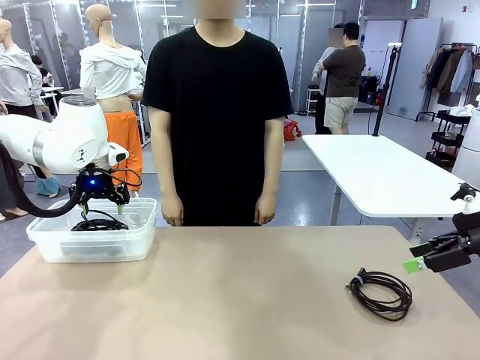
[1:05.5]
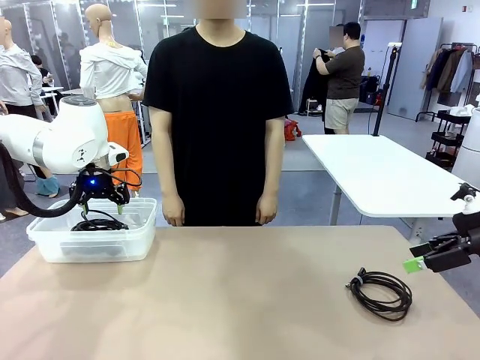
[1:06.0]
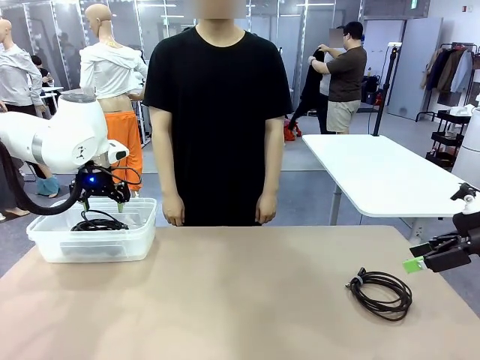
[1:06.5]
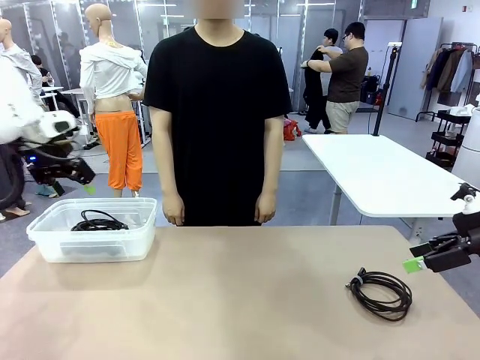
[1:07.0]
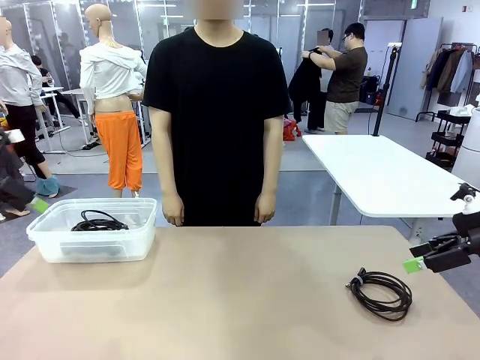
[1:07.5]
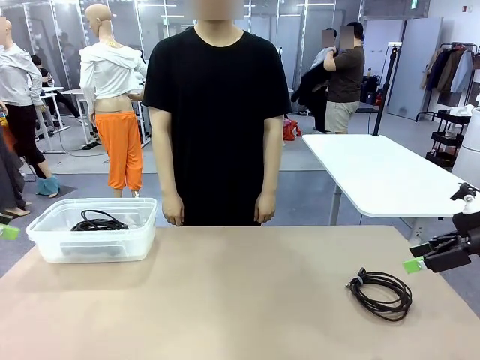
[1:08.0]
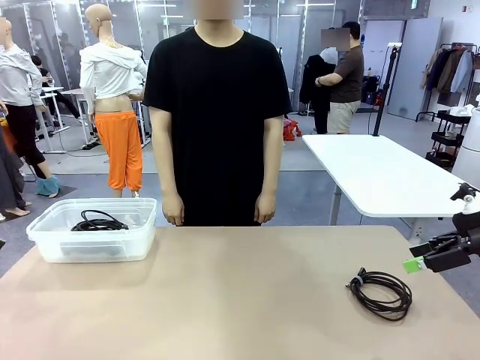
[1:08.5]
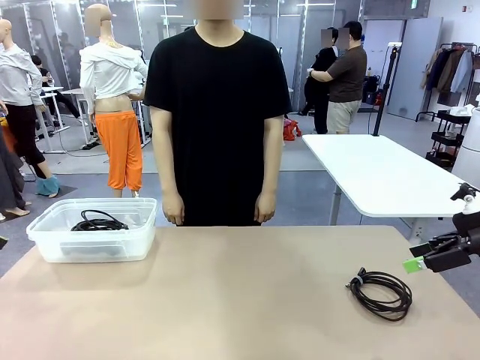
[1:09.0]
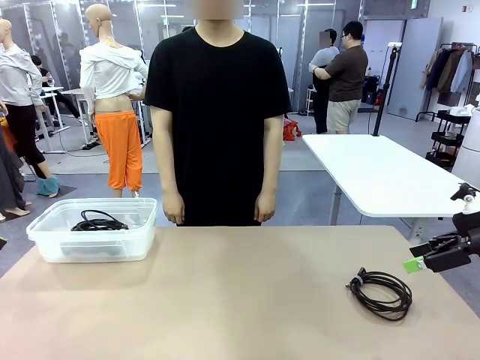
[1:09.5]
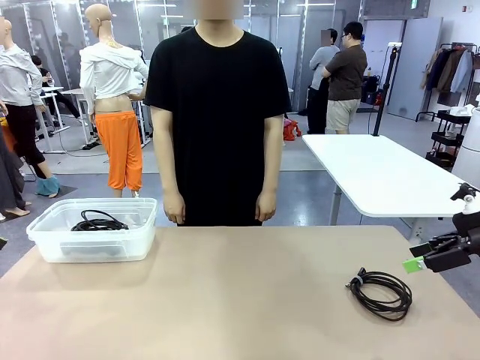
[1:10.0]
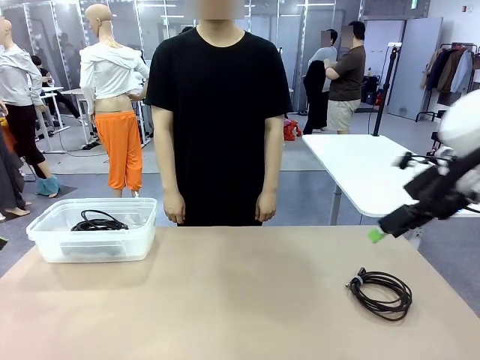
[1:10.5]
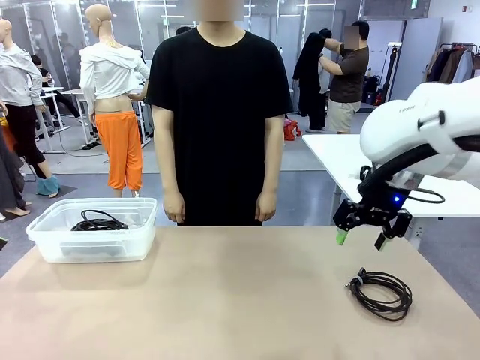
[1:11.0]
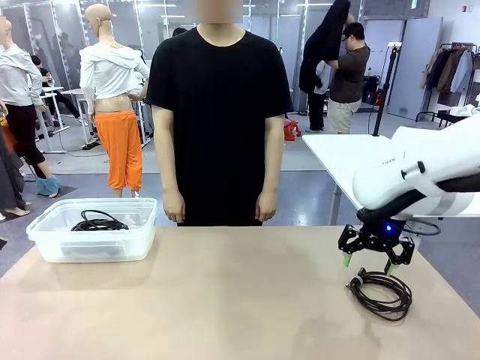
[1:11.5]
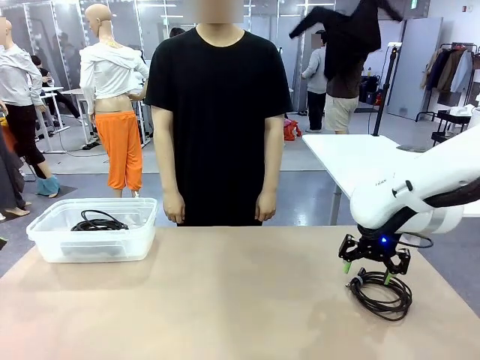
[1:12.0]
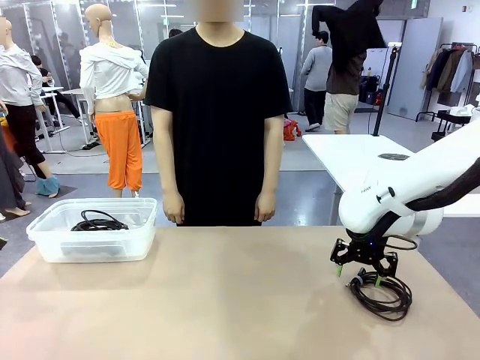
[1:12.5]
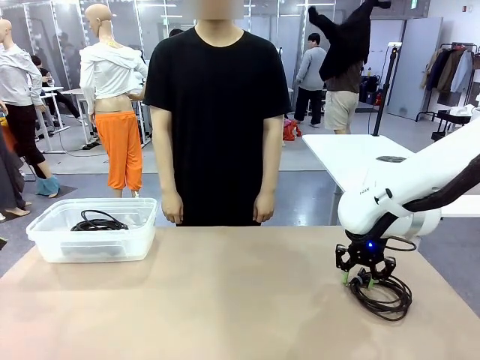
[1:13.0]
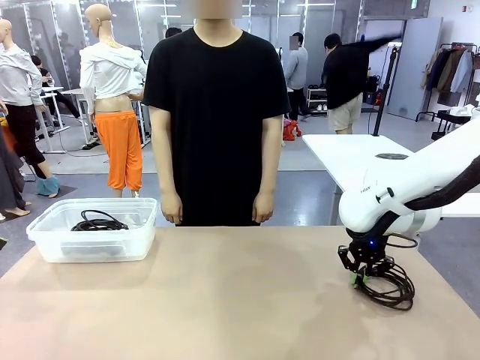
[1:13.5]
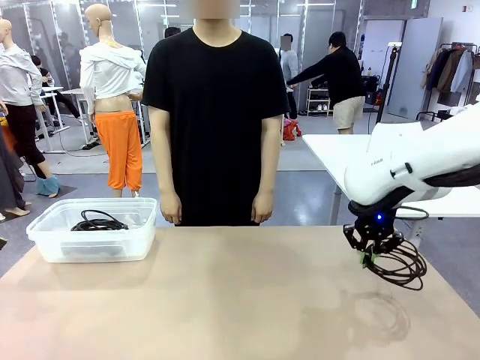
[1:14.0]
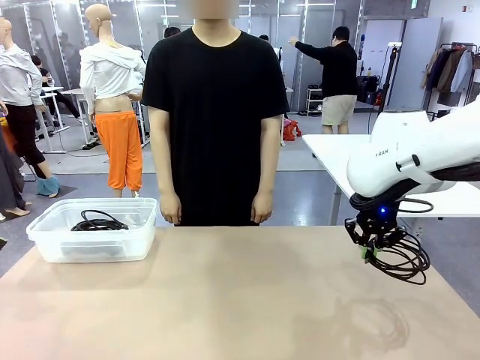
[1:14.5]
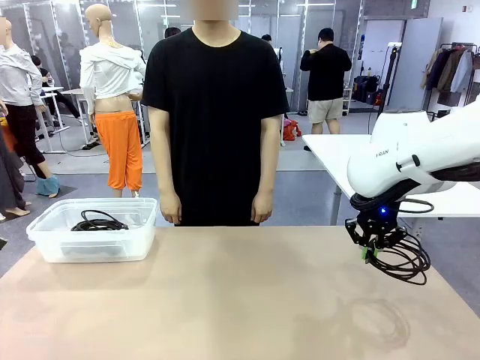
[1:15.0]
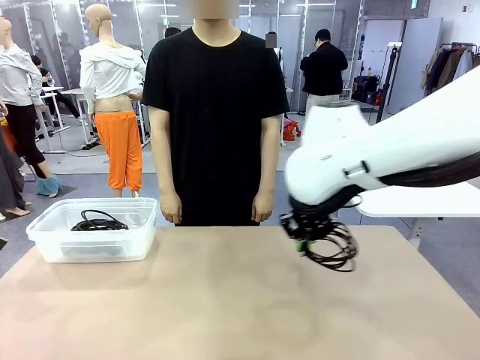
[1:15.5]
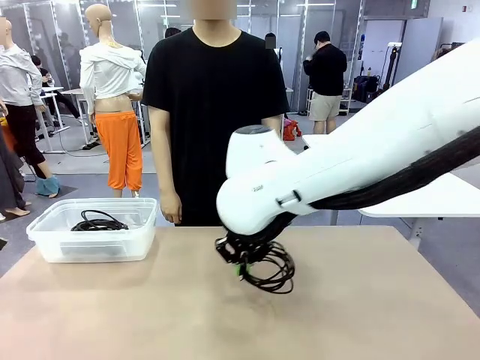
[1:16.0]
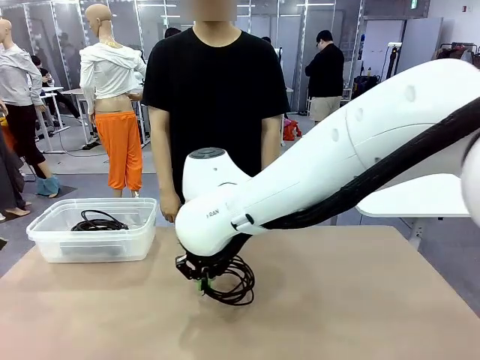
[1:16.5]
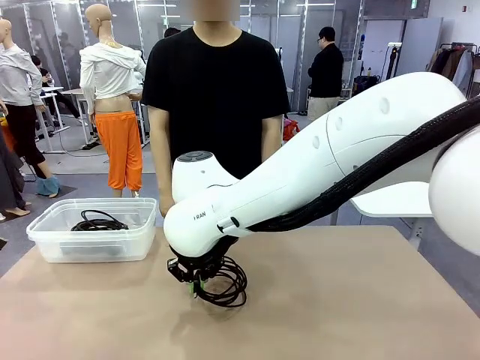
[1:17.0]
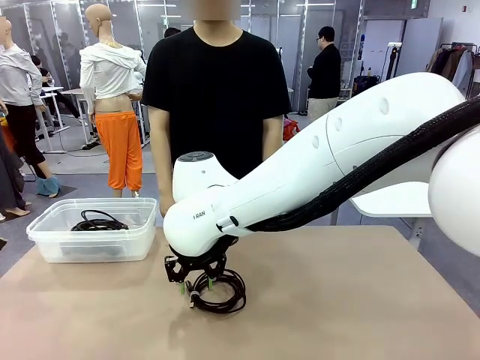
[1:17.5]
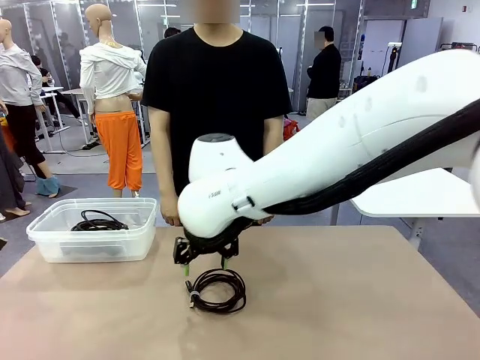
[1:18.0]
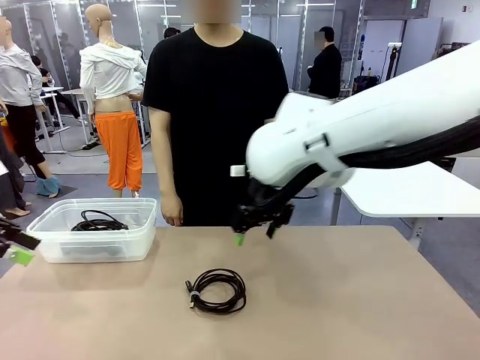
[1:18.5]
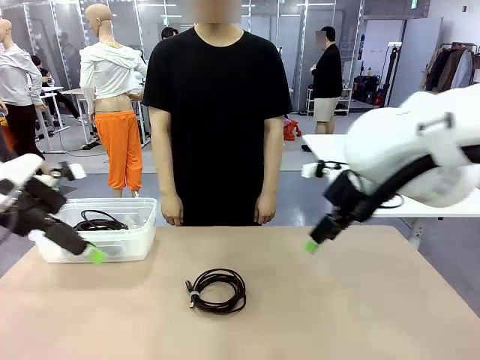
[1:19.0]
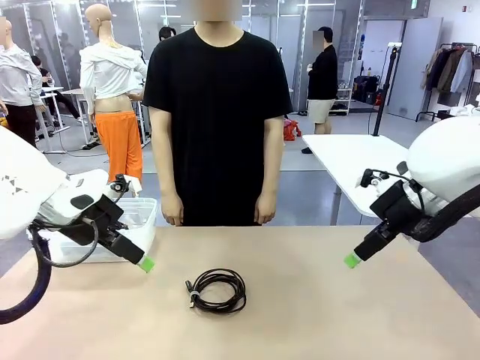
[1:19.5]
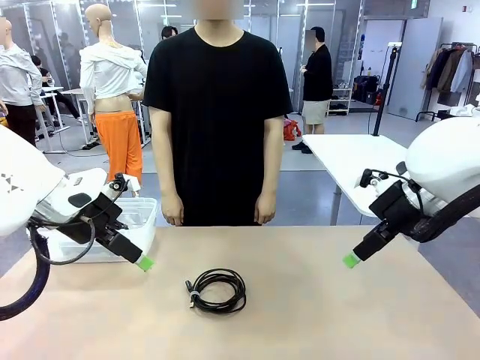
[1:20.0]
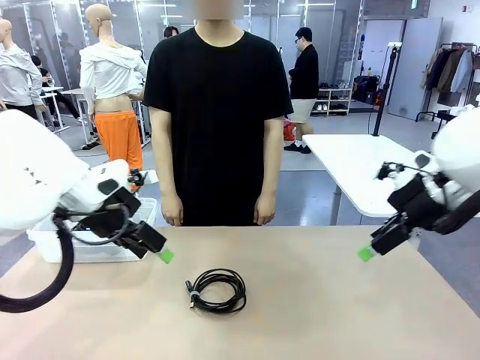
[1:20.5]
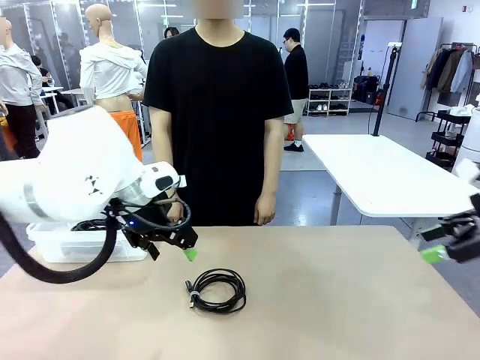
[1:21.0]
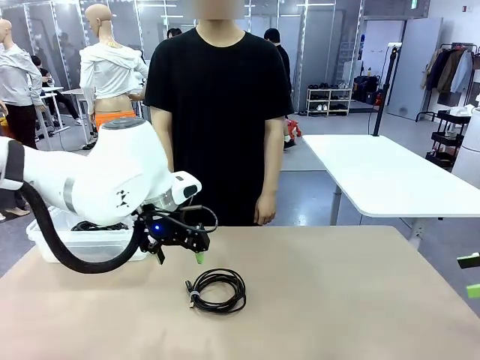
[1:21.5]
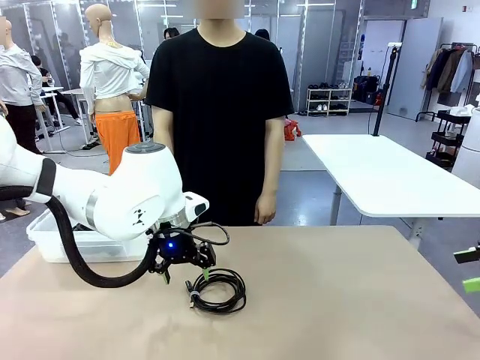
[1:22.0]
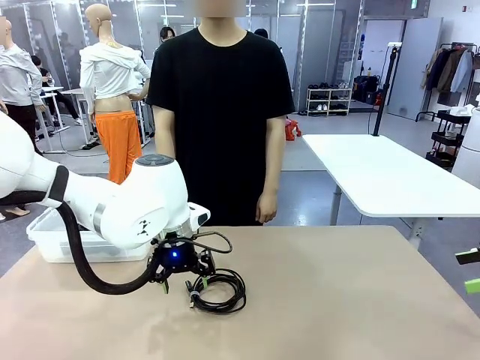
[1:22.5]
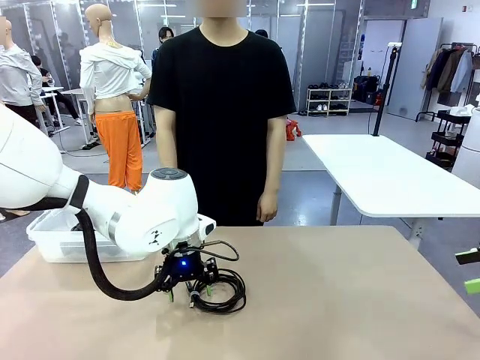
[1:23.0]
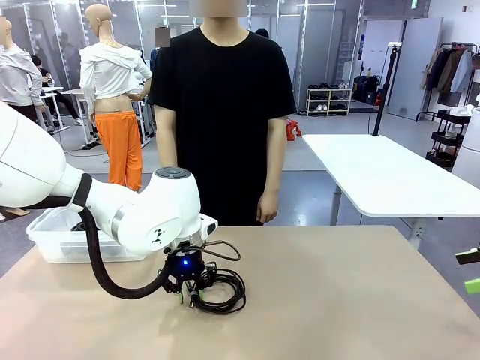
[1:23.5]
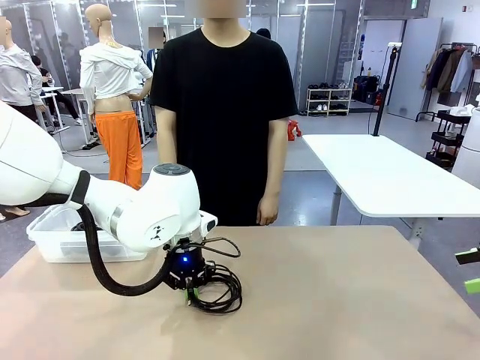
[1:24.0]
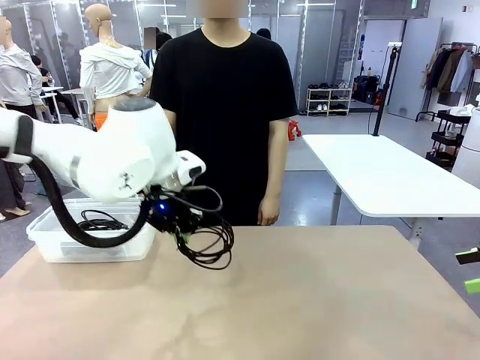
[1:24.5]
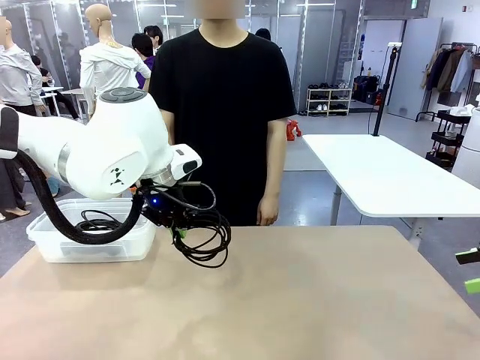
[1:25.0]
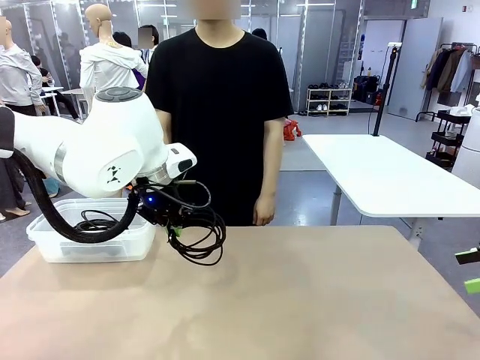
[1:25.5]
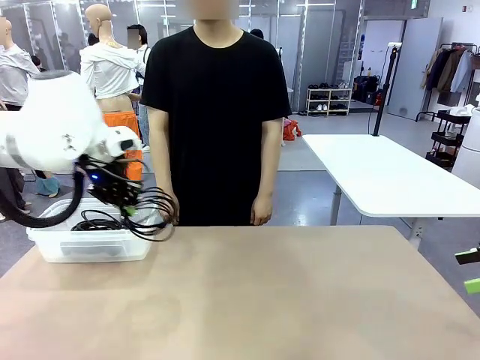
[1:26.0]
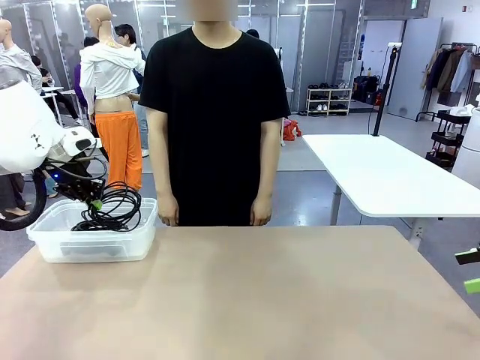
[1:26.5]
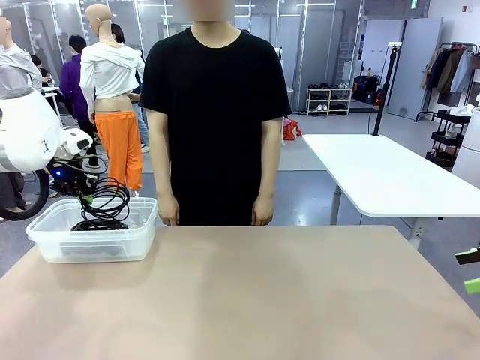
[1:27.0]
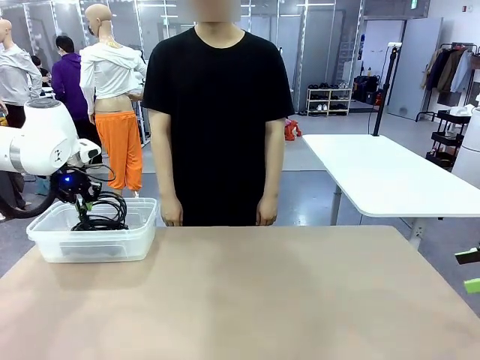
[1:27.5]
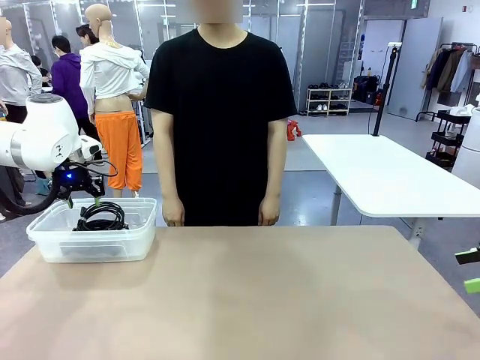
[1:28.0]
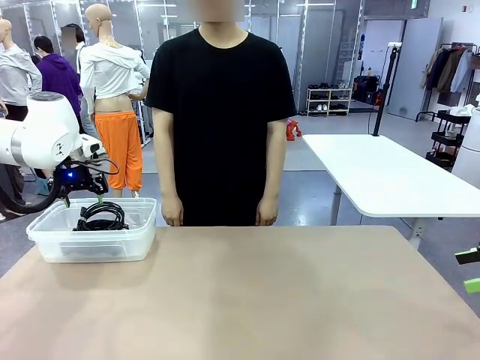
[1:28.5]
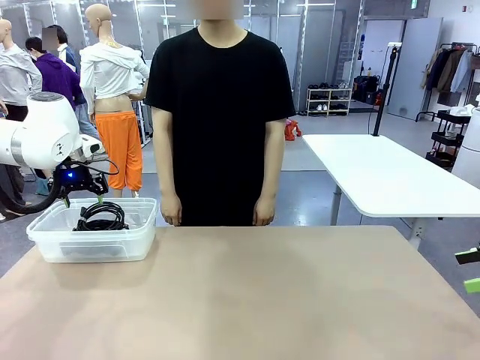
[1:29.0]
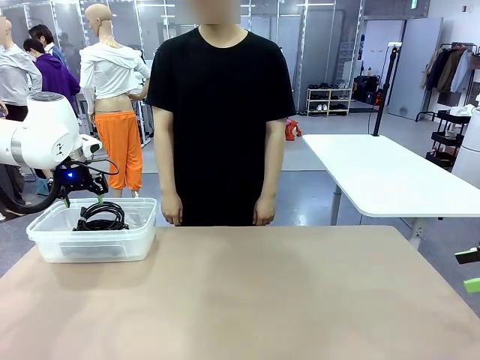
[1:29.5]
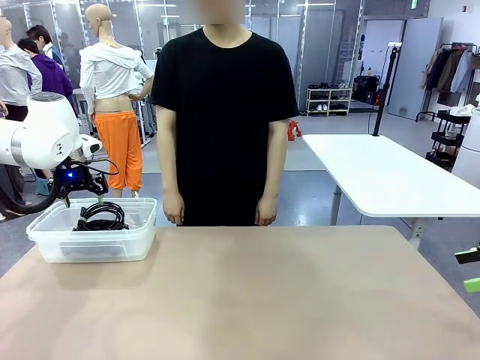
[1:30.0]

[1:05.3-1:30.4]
Task: Organize and store the cables.
Robot: Place the USB Extension Cable into the Organizing box.
